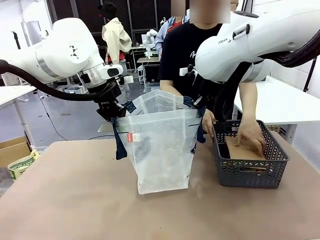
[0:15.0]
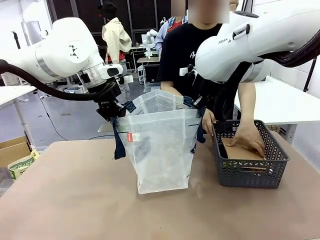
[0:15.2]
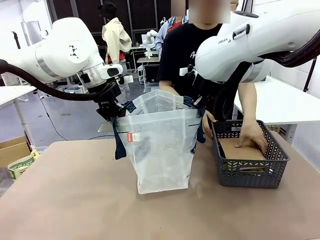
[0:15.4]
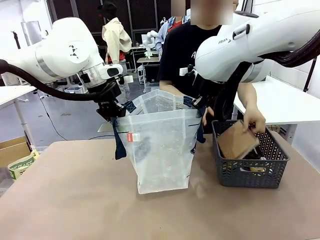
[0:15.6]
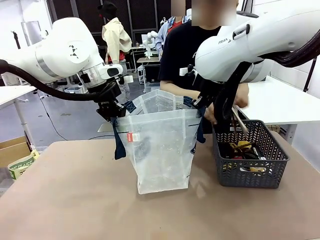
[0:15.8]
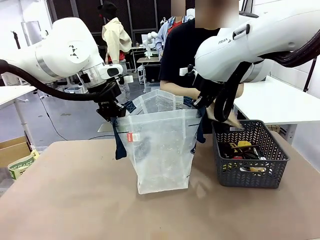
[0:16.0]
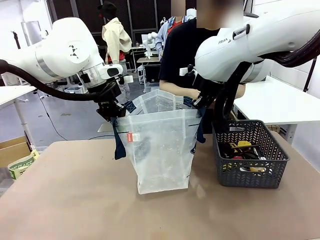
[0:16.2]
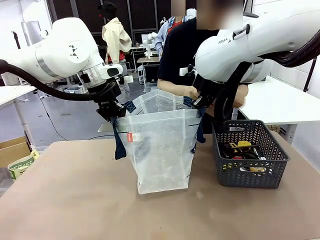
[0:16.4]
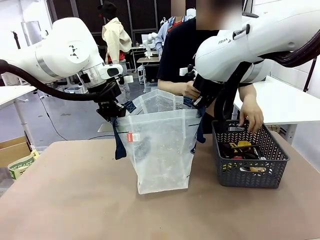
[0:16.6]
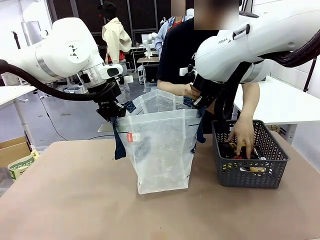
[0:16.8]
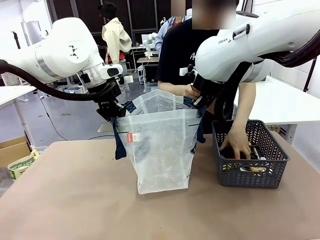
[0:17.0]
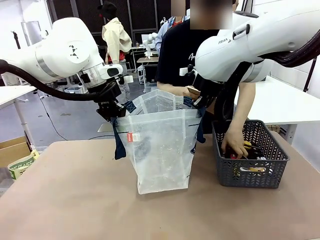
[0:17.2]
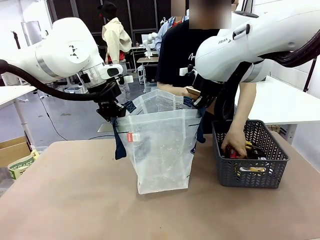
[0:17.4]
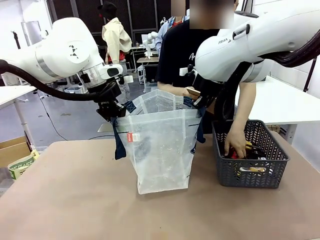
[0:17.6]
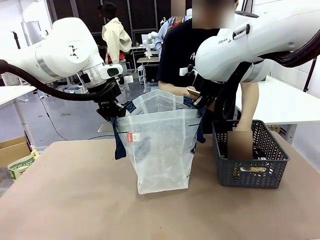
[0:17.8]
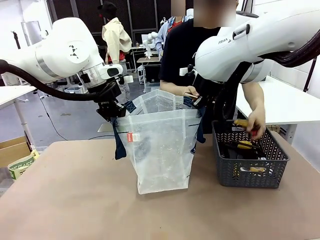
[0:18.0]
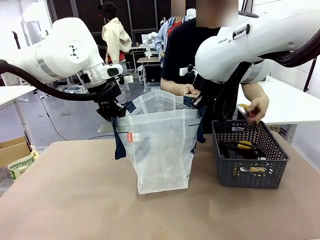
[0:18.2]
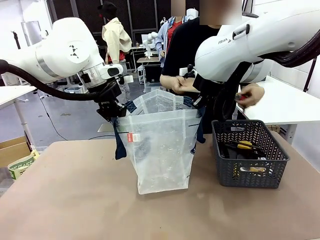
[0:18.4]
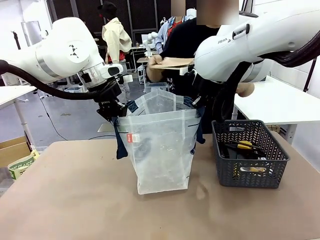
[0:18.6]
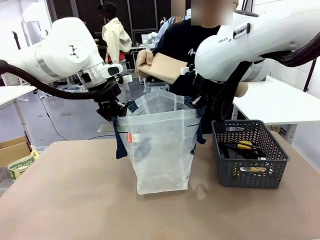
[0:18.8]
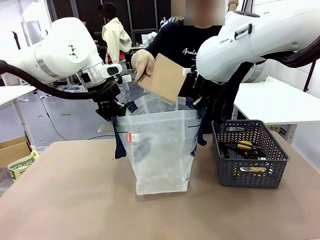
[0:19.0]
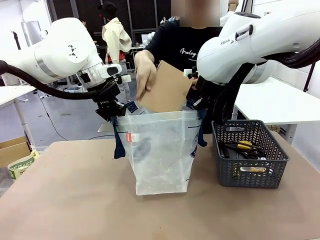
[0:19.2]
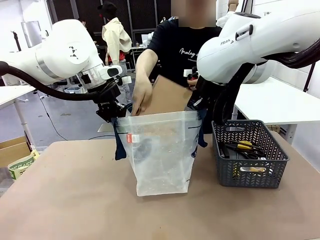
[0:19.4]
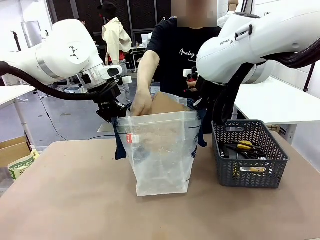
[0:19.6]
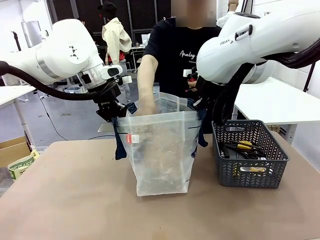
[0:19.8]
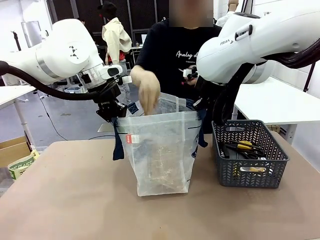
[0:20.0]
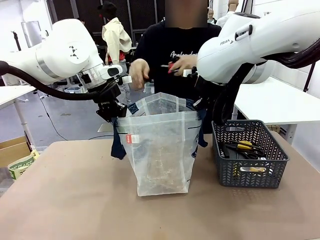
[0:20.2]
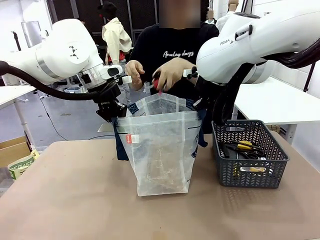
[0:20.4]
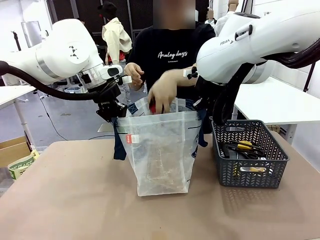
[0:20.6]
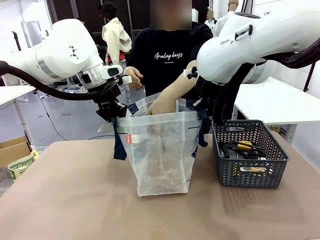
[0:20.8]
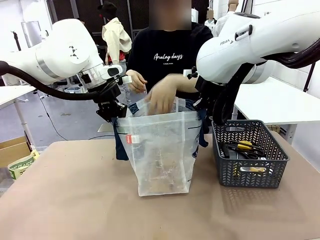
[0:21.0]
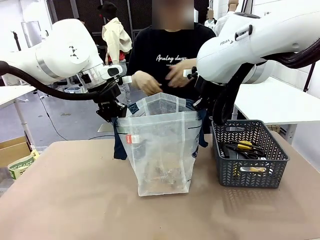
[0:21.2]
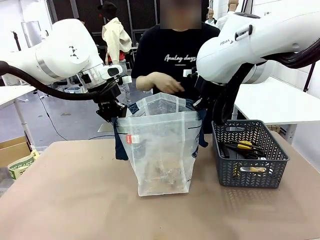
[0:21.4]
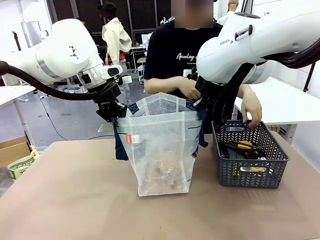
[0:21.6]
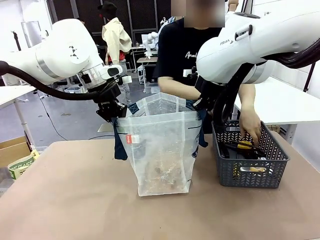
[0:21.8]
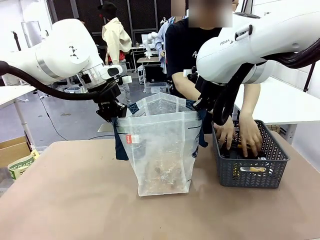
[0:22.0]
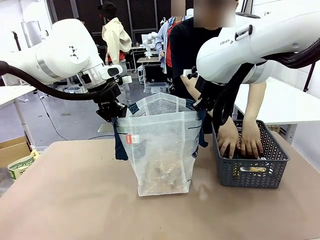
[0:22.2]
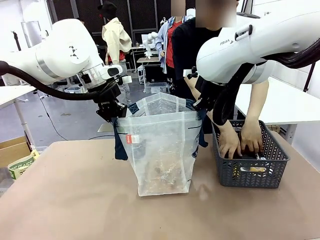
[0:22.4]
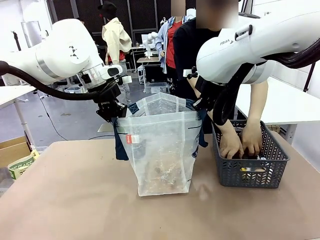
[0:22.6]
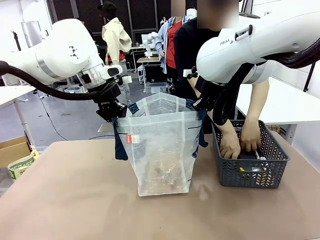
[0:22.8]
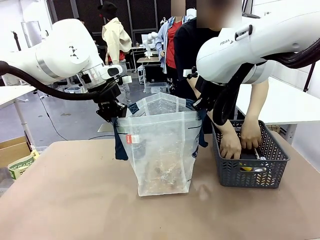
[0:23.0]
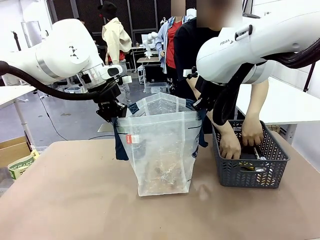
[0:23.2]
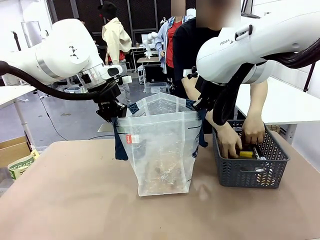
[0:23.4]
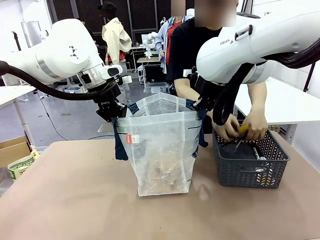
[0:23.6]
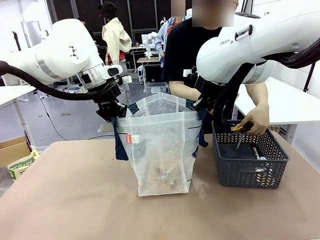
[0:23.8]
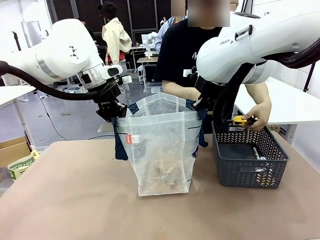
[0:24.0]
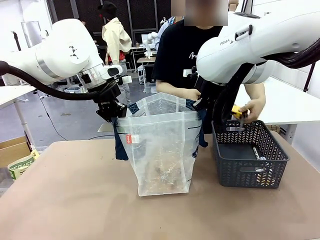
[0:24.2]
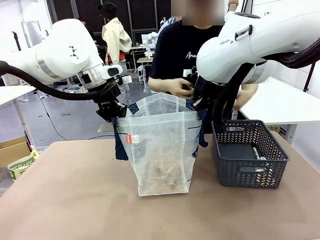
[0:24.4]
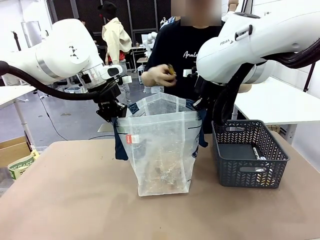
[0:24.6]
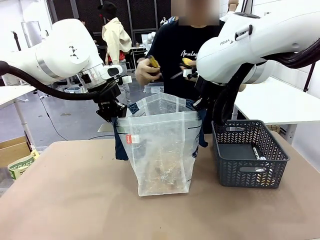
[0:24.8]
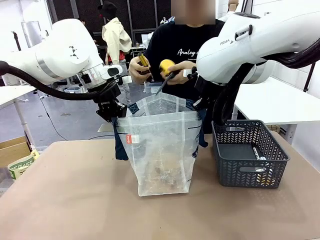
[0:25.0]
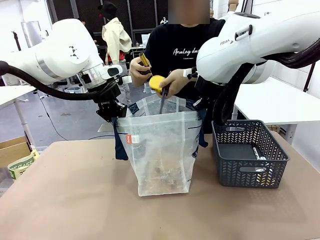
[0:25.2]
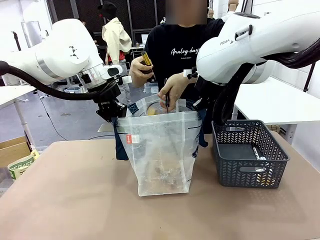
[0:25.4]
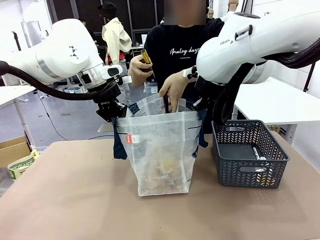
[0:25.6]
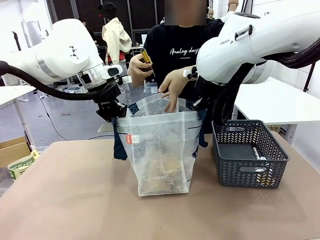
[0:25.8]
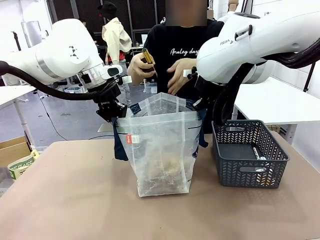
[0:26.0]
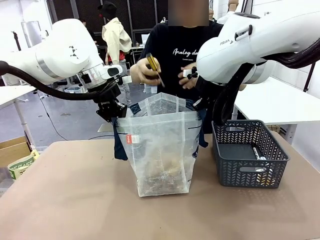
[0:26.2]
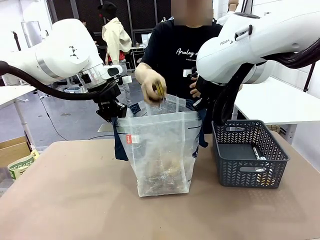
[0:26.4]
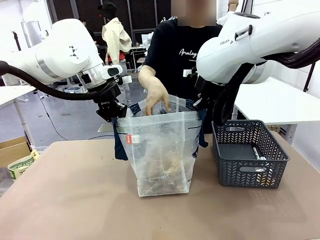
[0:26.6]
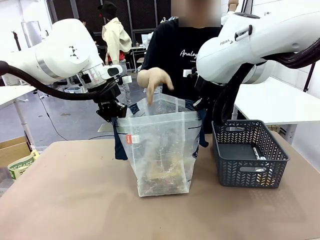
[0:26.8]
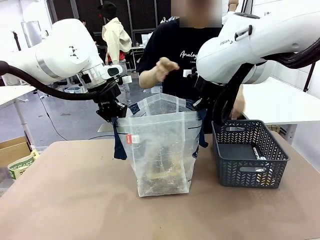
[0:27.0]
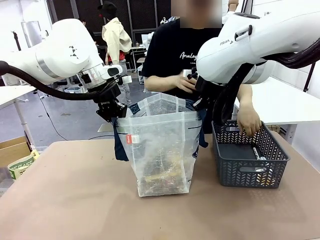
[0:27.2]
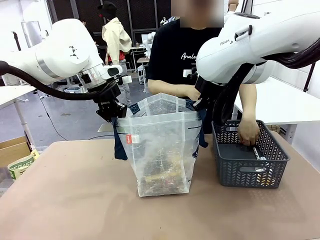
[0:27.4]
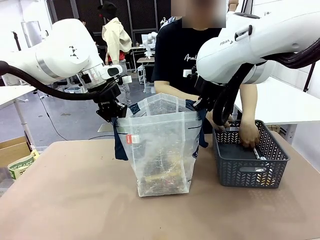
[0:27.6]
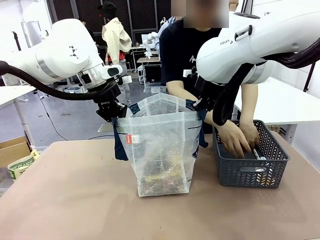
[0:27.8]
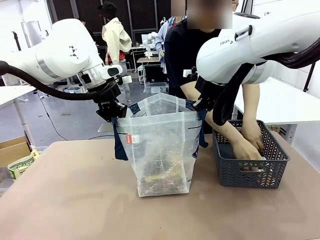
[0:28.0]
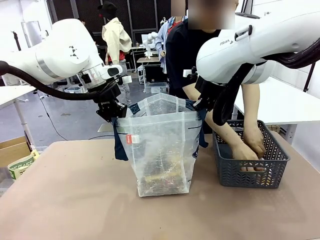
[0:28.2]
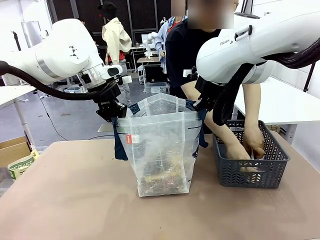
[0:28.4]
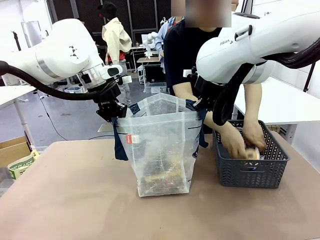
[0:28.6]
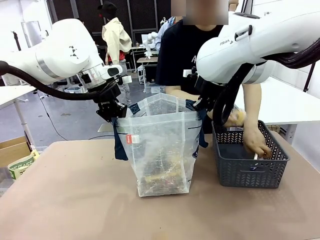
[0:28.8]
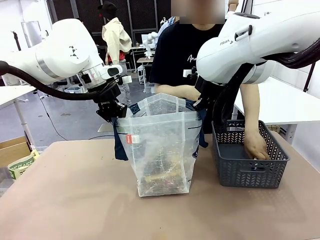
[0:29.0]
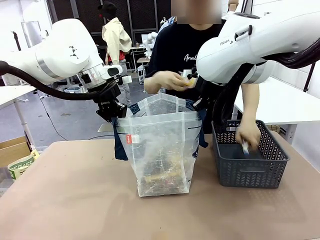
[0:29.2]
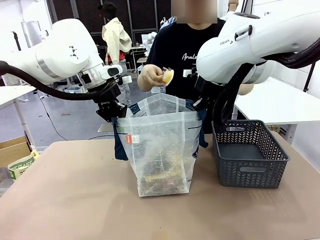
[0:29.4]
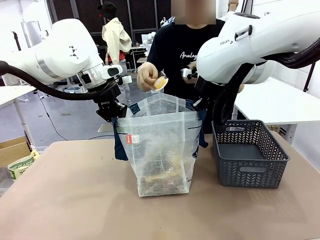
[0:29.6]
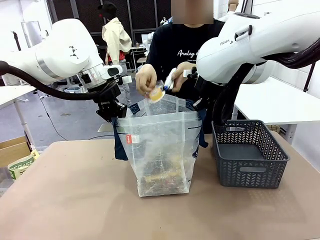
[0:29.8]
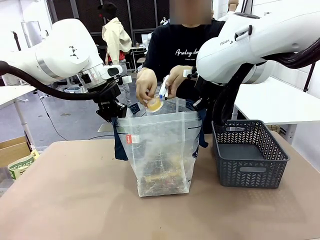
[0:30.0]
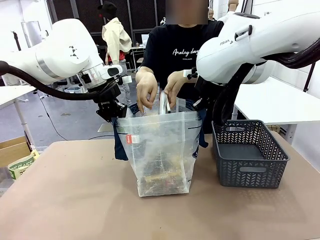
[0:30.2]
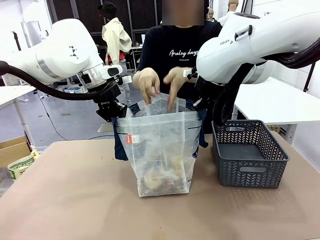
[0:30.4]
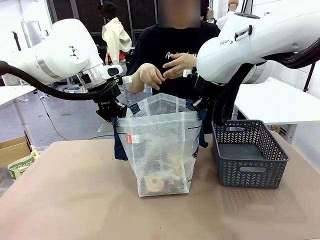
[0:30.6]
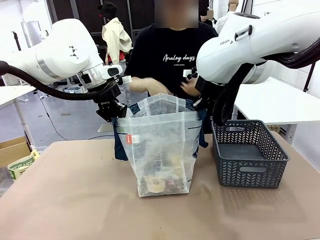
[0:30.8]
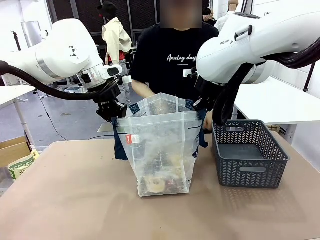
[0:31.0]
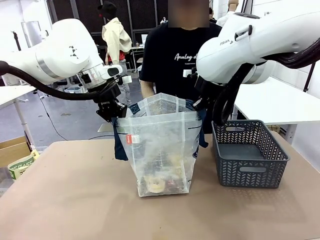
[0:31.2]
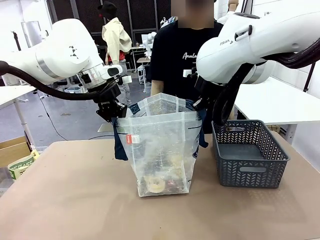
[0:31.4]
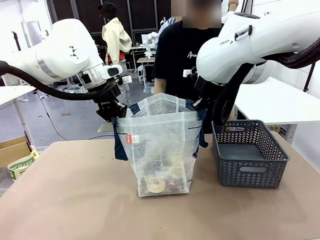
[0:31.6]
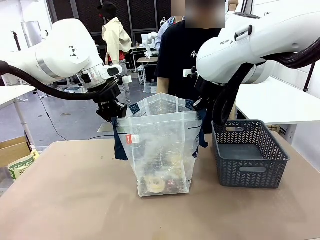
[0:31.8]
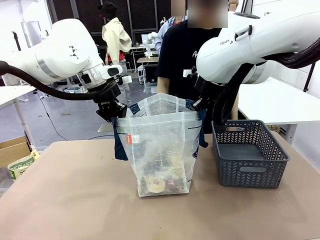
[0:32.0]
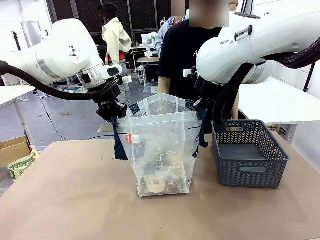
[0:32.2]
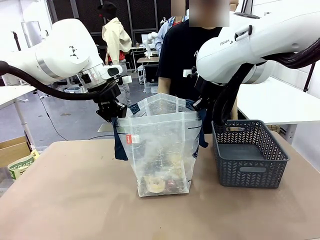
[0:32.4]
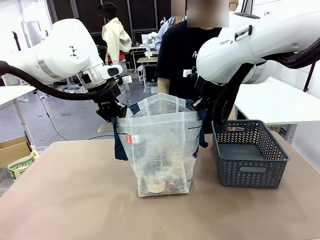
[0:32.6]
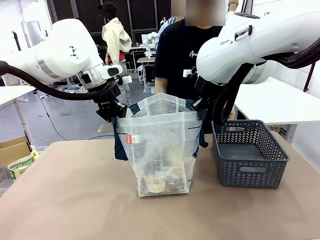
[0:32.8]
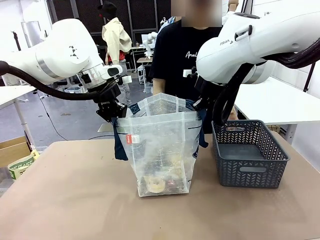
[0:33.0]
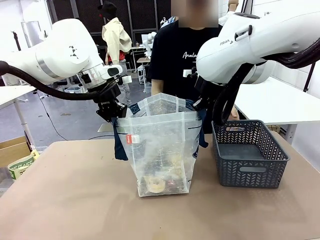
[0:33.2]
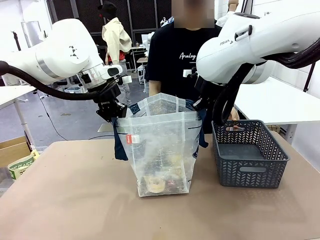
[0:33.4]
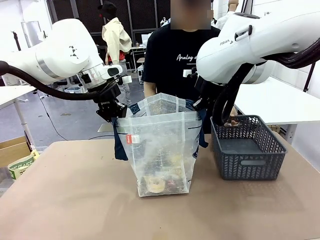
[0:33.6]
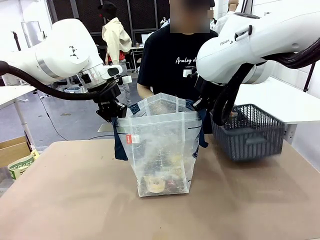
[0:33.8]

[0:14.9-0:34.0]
Task: Transfer purchased items from the store into the shopping bag.
Robot: Move the Reusable shopping bag to the right side of the table.
Person: Pick up the basket on the right, place it on the left side of the robot table, and move the items in the basket to the shopping bag.
